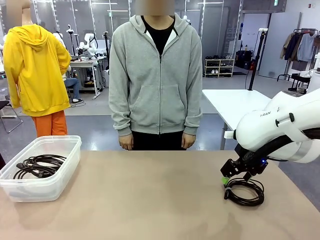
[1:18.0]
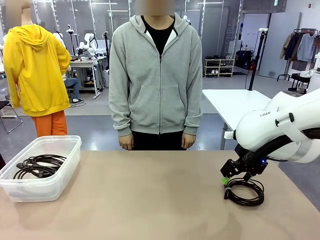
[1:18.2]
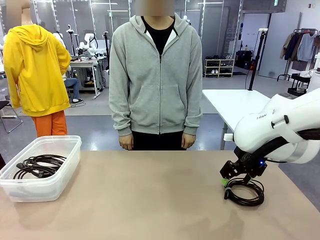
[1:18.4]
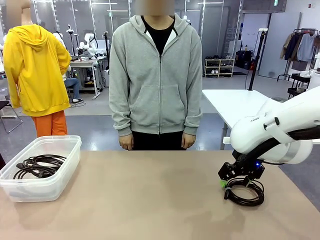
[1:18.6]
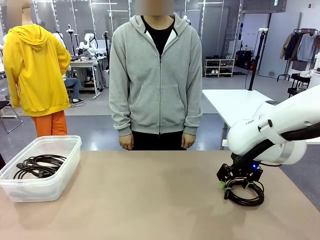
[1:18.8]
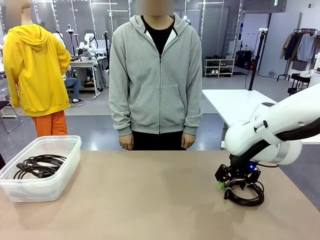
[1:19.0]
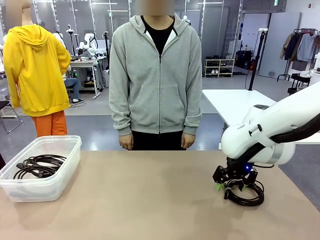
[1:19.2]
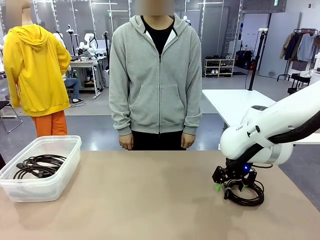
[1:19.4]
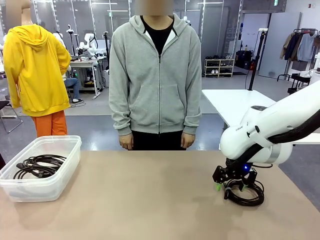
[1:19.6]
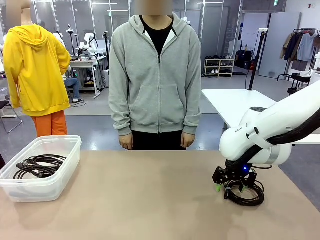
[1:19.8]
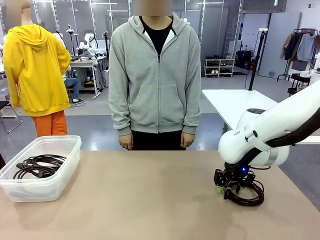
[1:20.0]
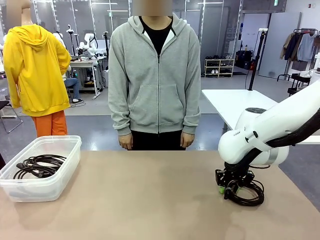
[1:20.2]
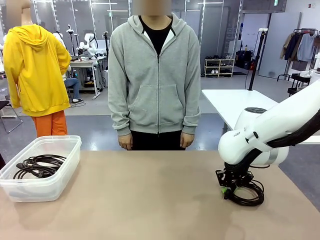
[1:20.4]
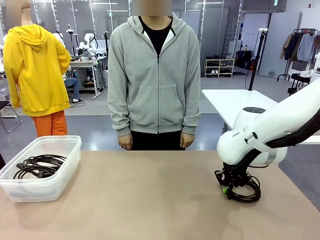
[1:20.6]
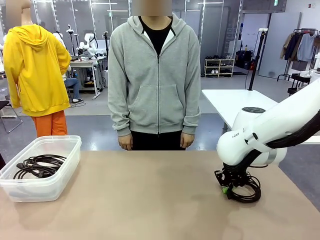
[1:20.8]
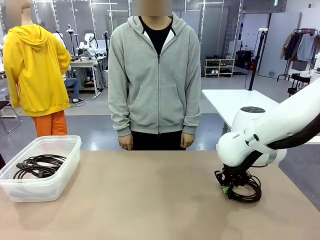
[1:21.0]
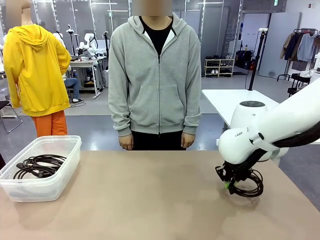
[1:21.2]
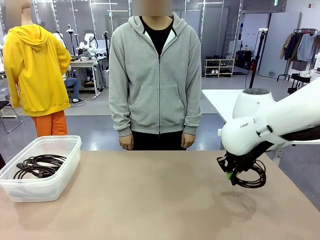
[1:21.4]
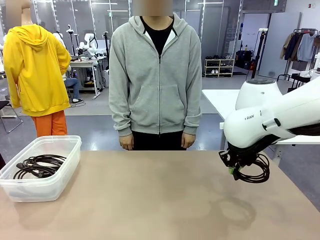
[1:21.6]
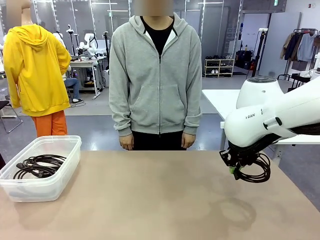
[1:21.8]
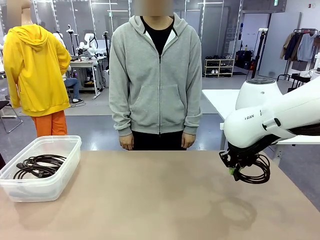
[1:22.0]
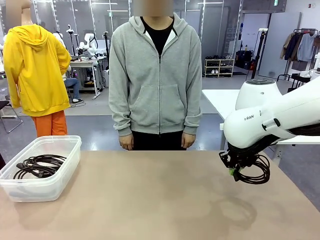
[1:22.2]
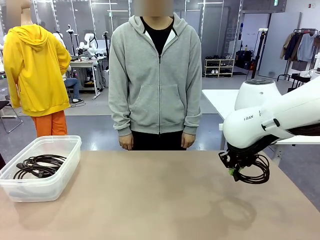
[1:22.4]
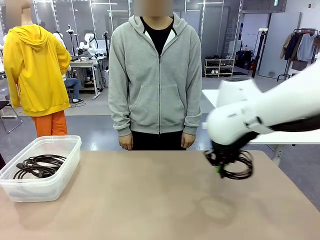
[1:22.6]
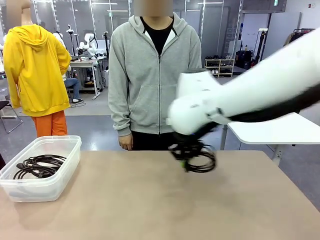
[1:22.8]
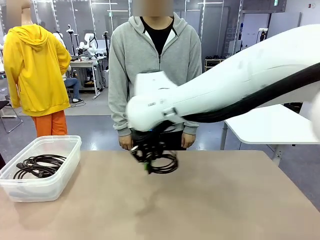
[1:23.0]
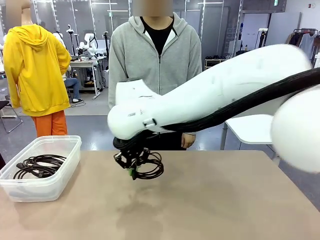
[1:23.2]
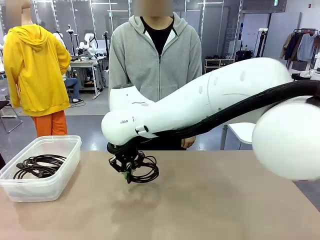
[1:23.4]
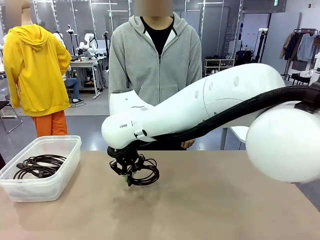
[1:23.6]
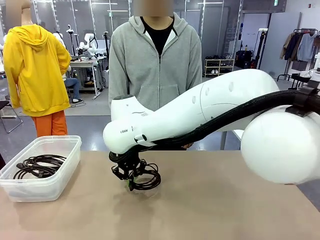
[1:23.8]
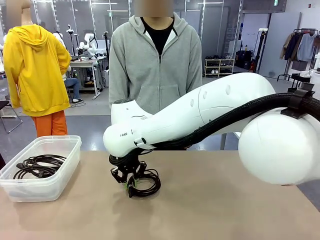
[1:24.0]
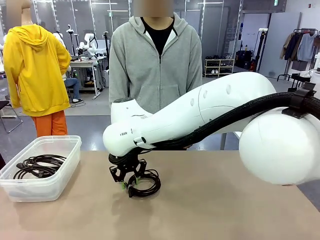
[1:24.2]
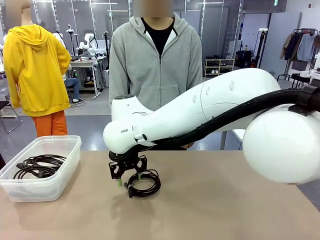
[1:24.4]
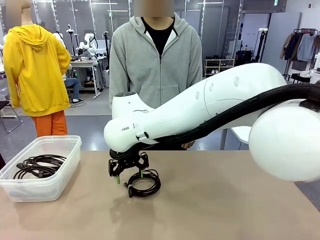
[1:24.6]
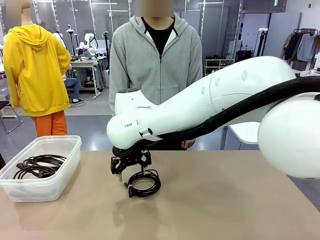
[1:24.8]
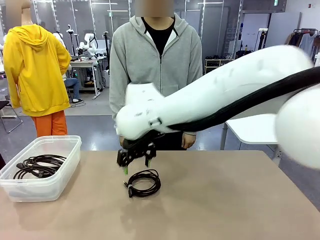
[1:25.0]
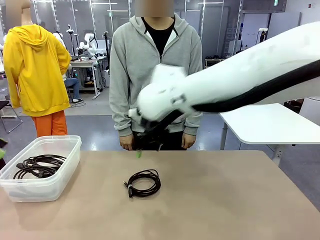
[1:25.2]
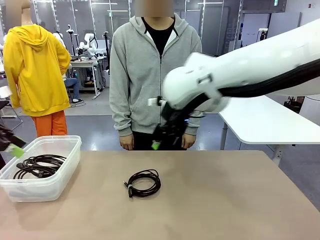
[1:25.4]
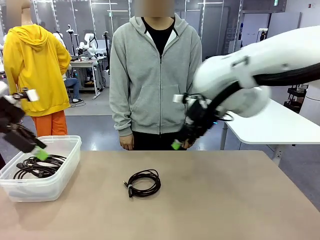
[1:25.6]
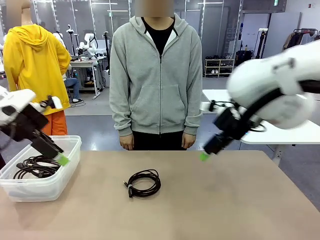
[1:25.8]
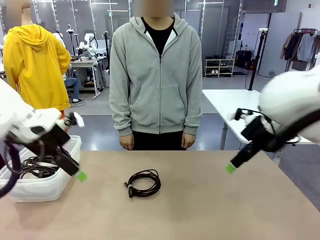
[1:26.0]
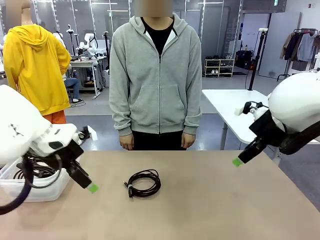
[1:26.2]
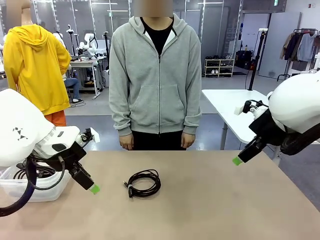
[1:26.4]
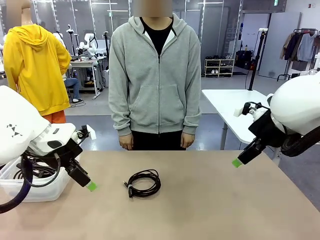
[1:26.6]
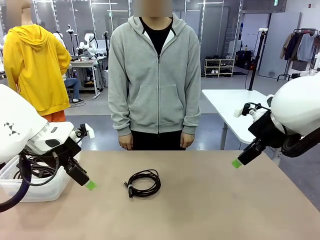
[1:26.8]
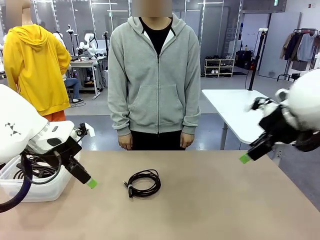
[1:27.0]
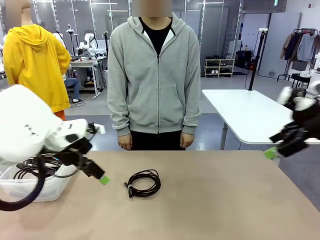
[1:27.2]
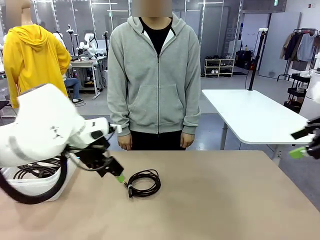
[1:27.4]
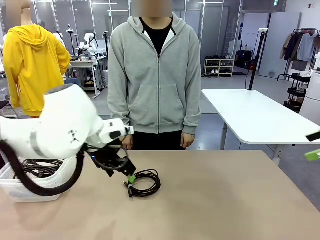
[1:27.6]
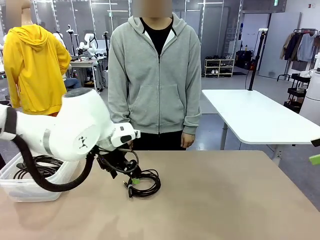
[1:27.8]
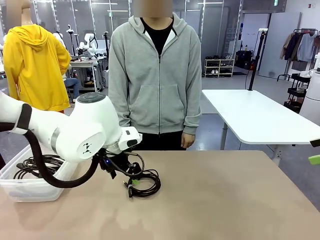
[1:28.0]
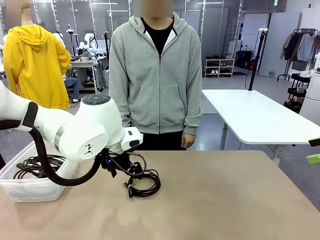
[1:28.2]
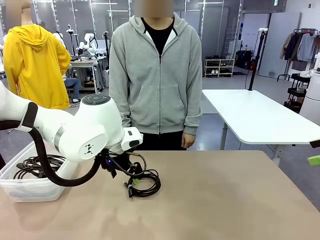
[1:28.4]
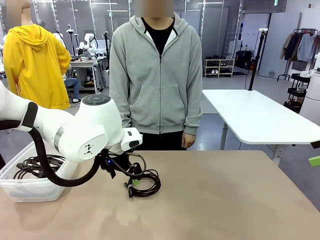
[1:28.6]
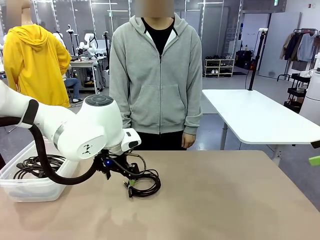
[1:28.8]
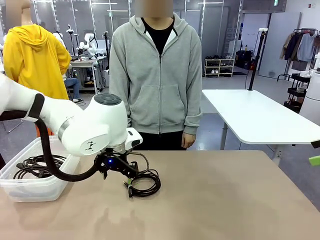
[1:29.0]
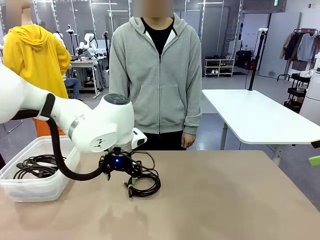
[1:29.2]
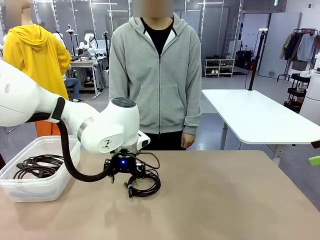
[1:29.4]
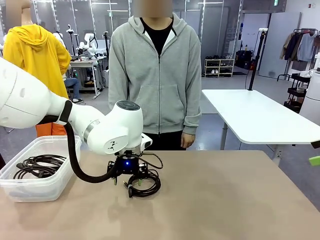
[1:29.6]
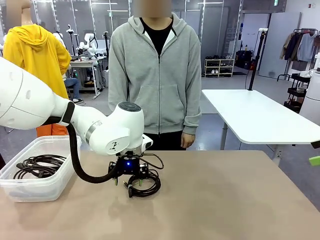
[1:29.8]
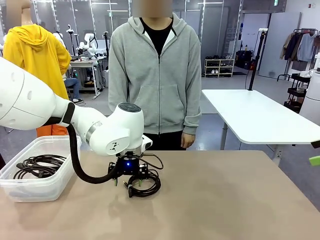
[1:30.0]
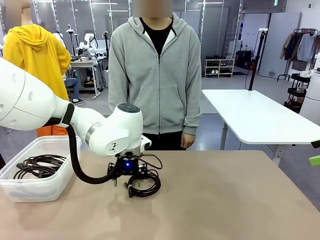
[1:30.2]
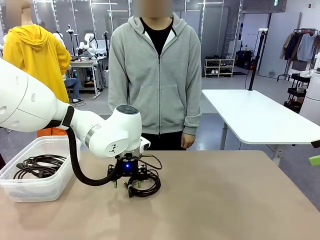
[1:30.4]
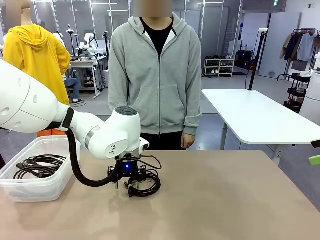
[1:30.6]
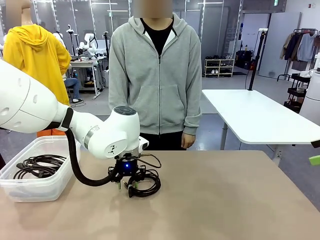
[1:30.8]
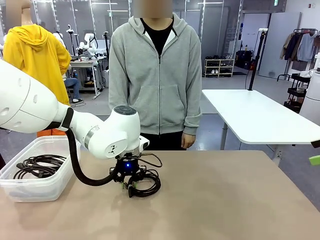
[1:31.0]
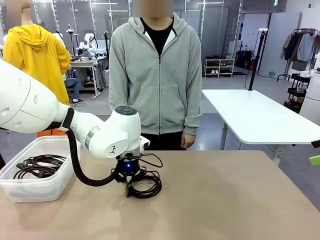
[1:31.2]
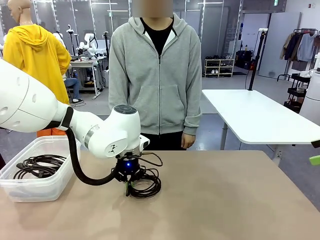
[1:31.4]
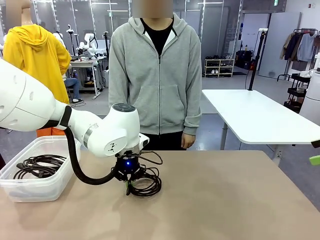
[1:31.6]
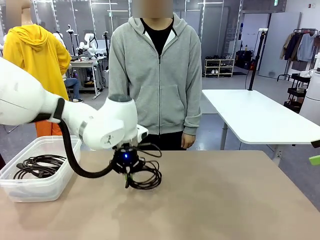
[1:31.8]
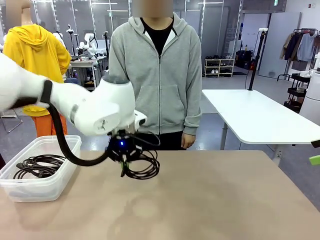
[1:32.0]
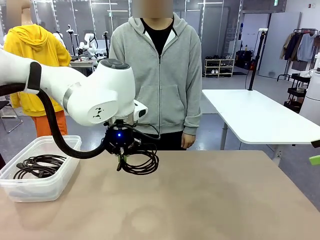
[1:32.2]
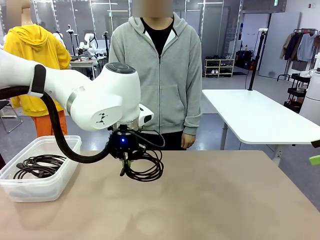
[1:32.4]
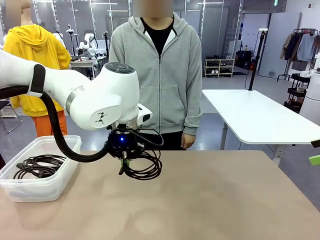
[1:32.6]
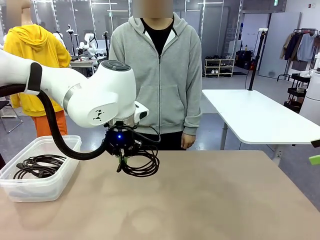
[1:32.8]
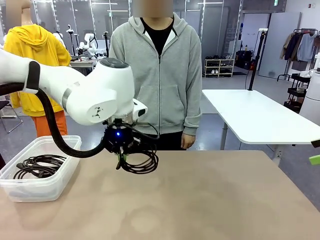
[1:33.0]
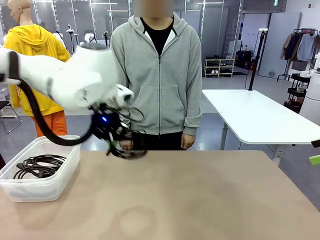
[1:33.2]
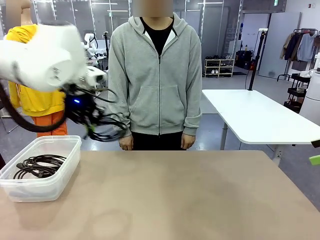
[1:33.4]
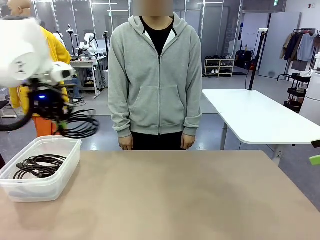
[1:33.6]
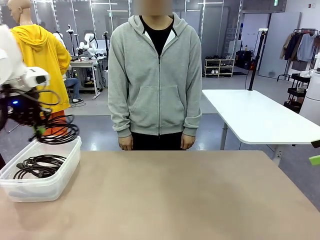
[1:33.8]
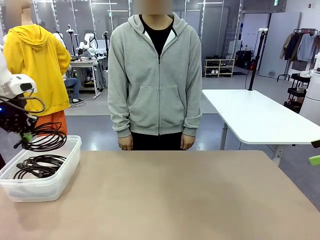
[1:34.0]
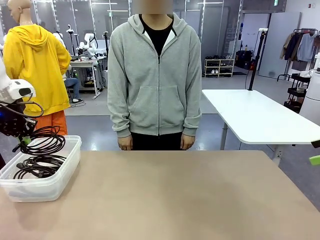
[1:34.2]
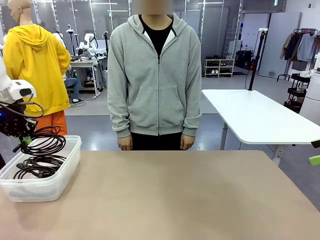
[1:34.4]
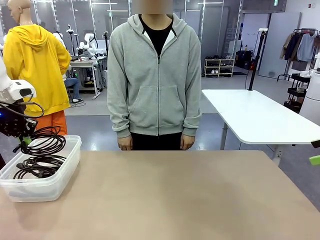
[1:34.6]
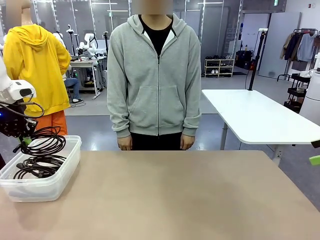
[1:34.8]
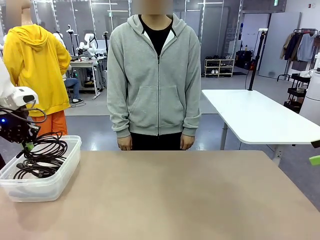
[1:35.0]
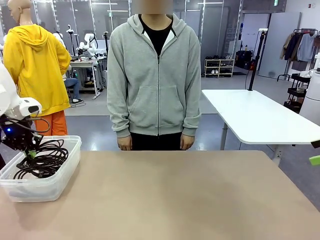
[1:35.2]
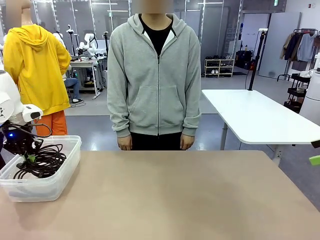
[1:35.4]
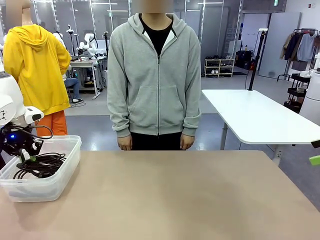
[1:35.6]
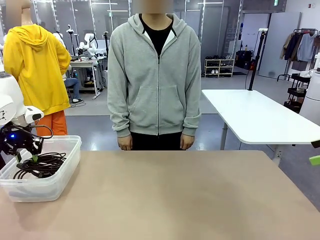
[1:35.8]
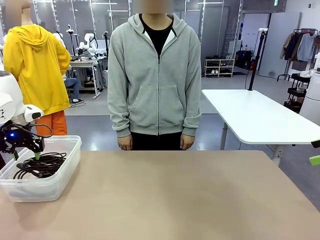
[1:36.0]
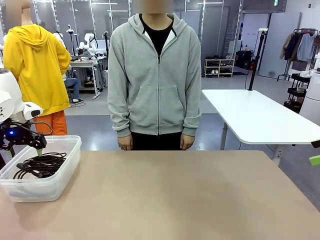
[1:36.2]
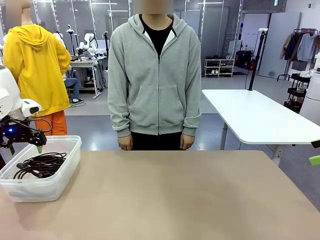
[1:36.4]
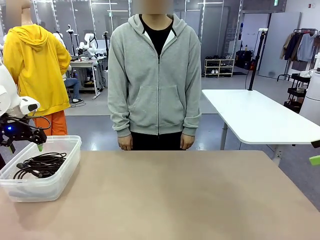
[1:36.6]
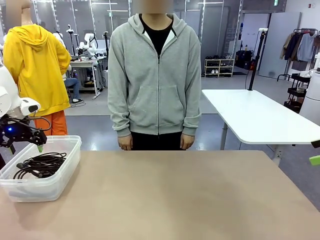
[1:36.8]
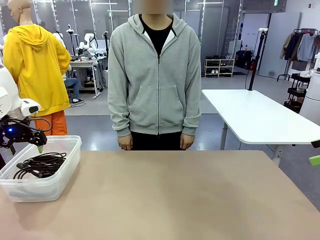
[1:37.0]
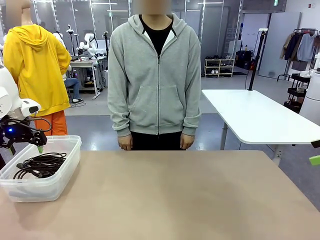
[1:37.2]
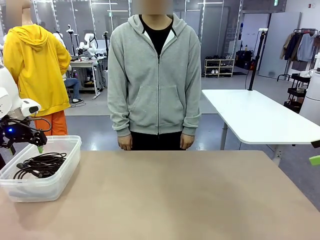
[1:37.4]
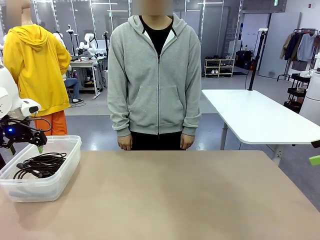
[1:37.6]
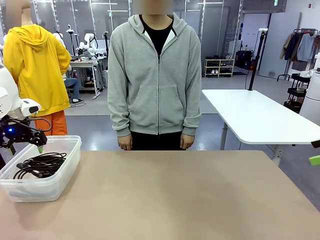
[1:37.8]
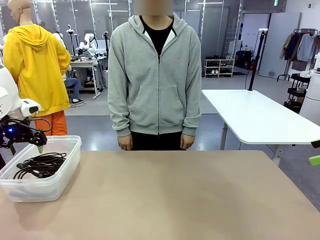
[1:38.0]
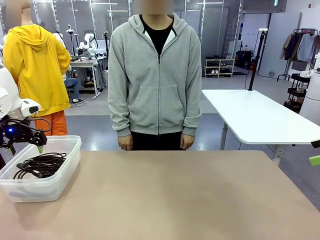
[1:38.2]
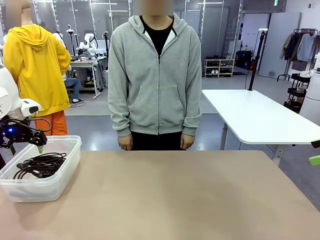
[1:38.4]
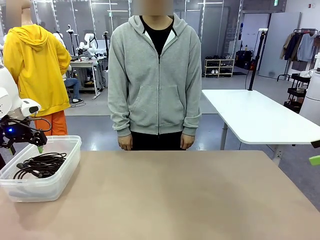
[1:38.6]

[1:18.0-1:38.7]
Task: Organize and store the cables.
Robot: Place the USB Extension Cable into the Organizing box.
